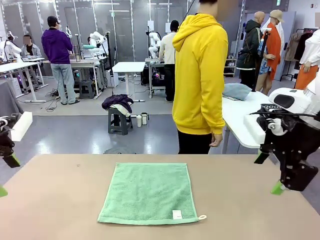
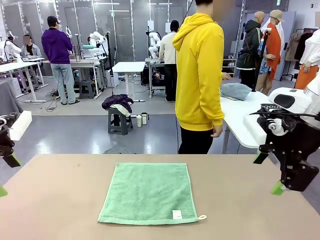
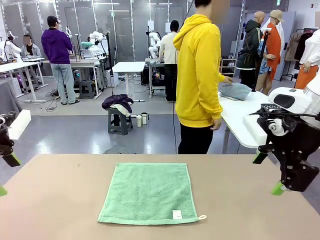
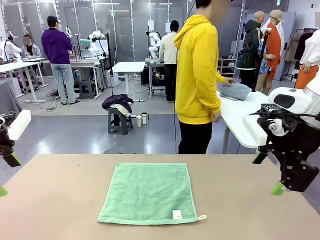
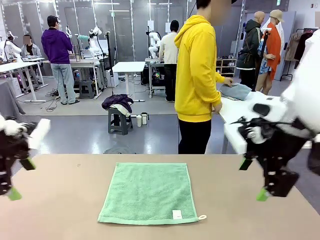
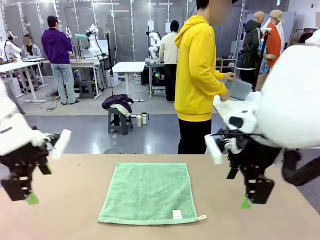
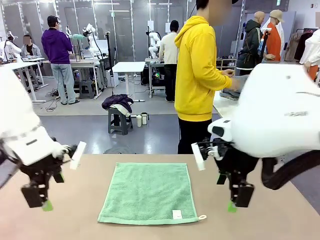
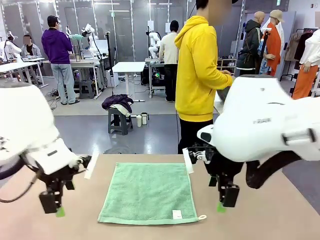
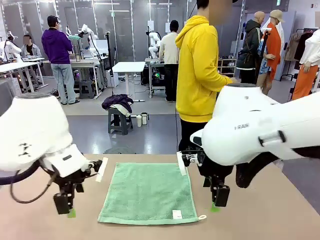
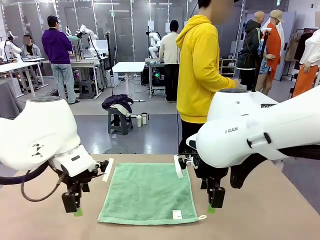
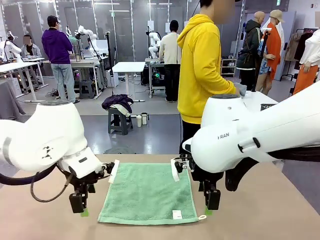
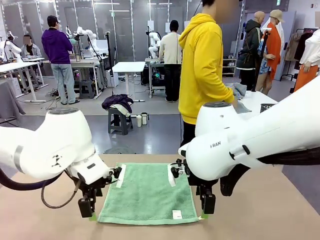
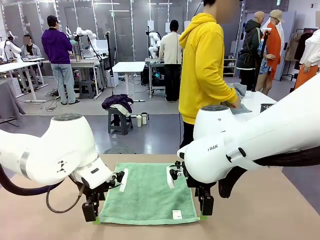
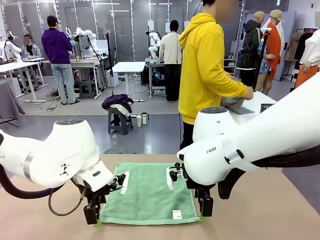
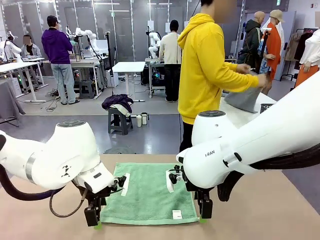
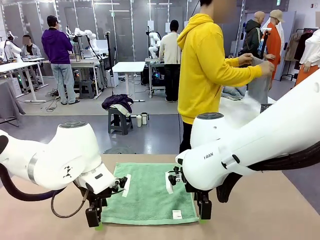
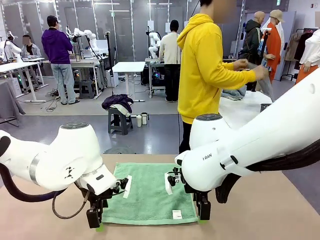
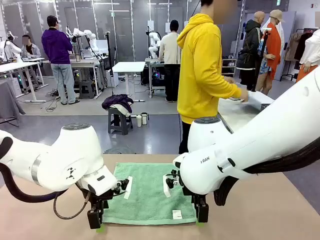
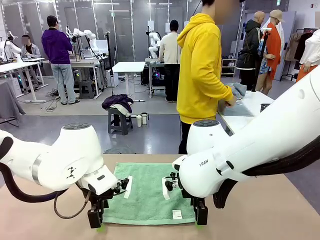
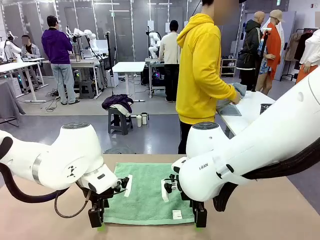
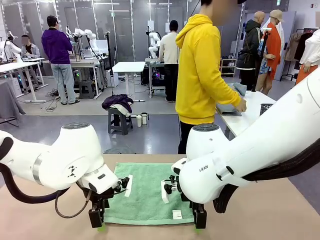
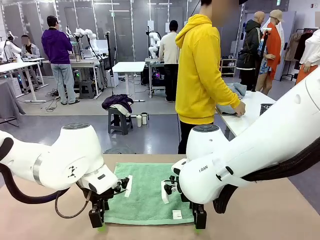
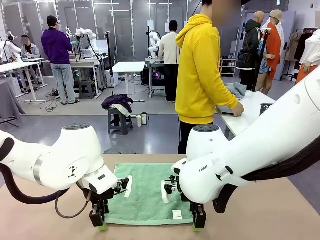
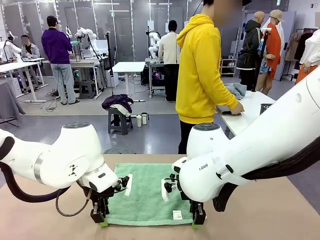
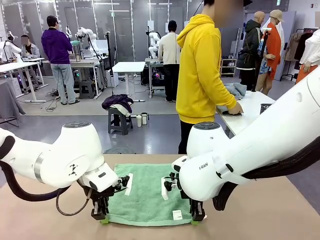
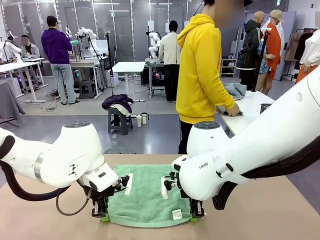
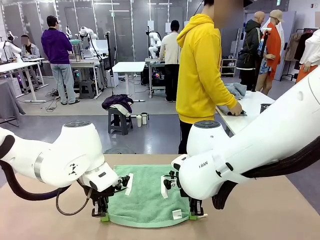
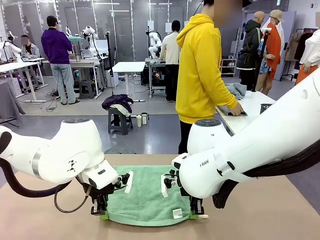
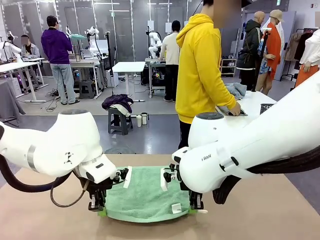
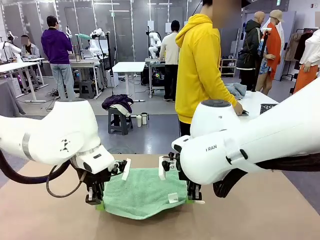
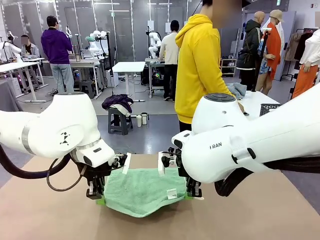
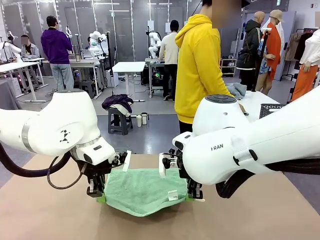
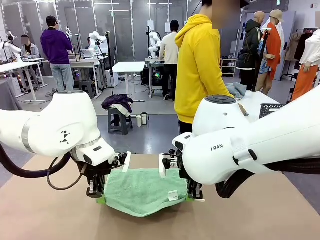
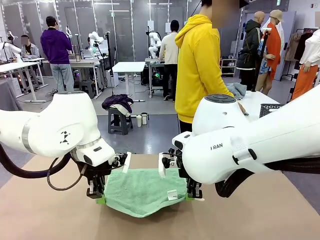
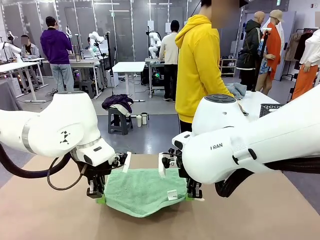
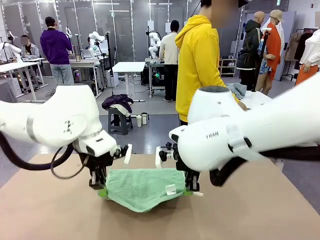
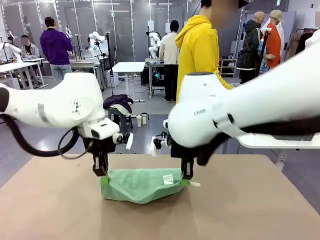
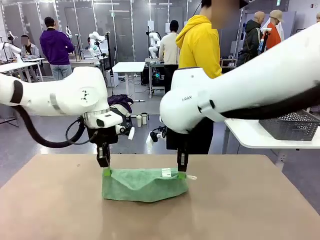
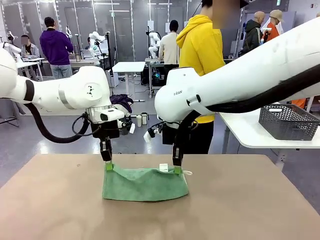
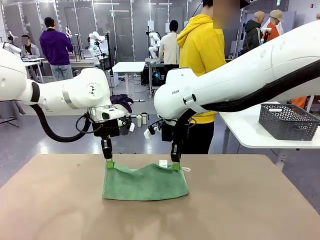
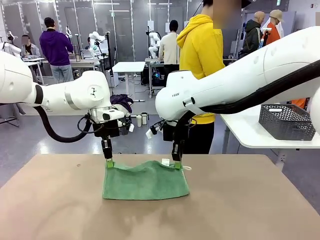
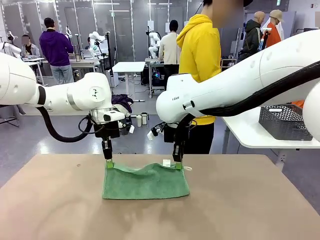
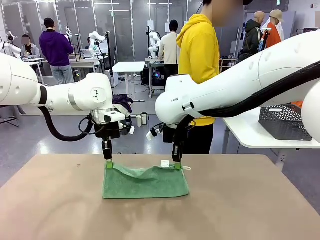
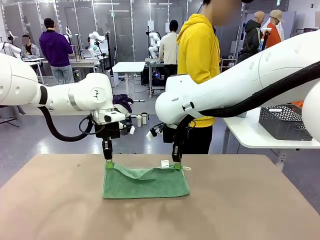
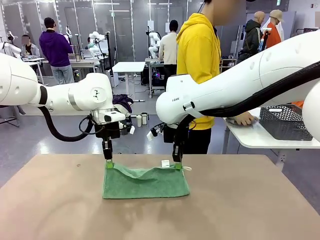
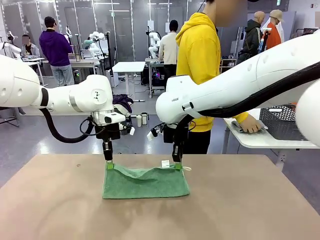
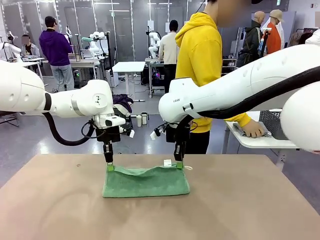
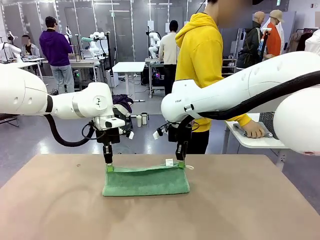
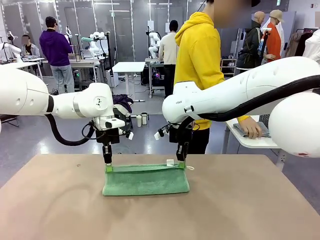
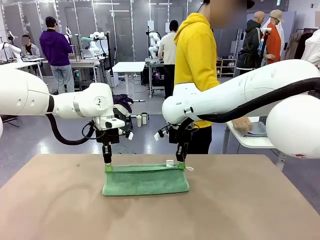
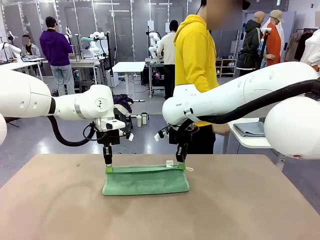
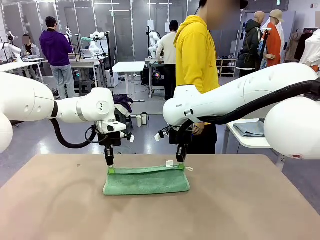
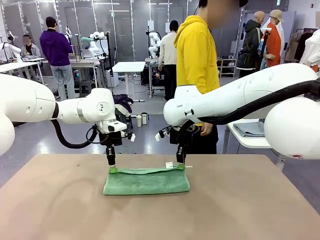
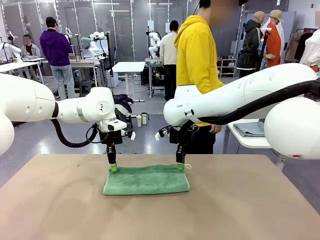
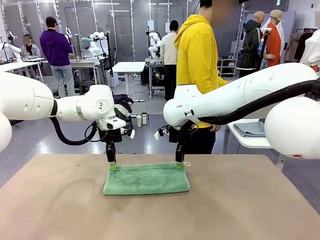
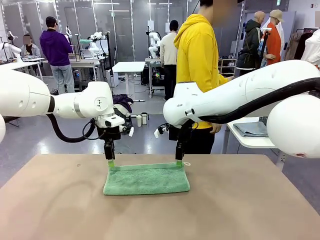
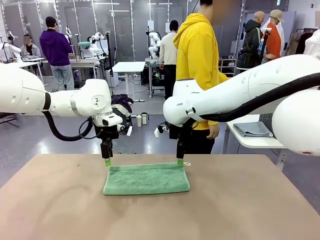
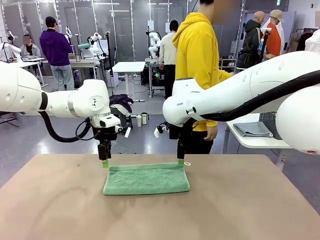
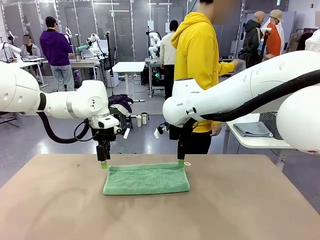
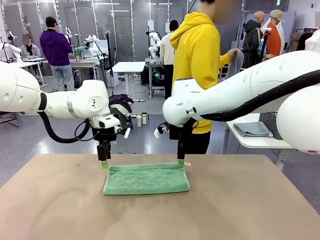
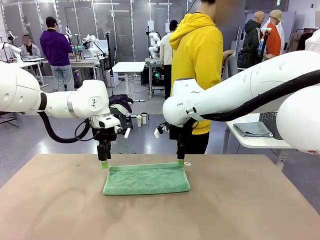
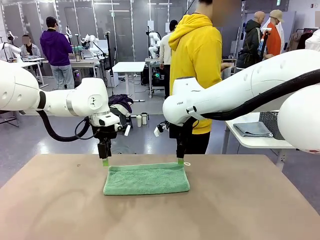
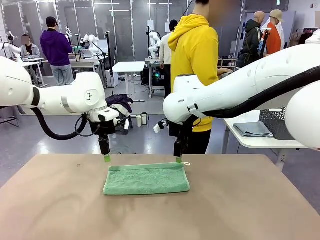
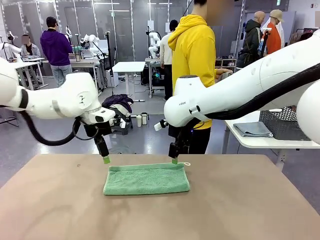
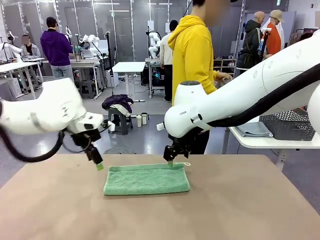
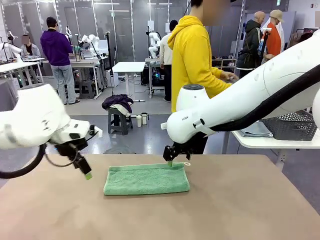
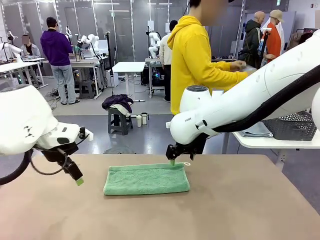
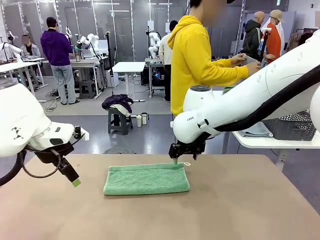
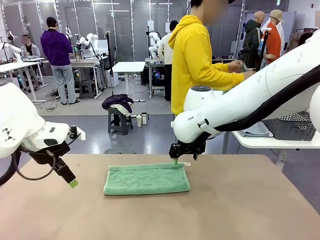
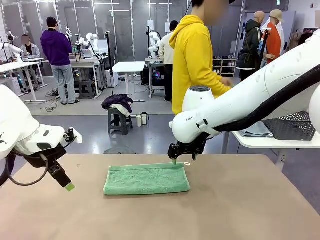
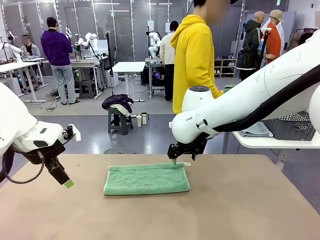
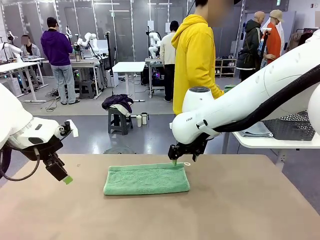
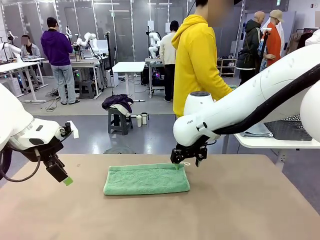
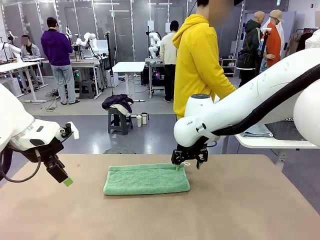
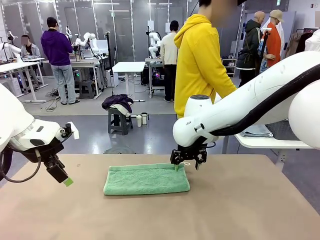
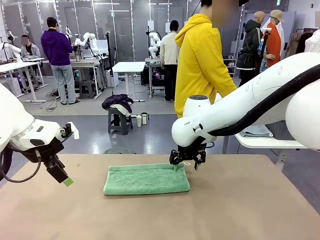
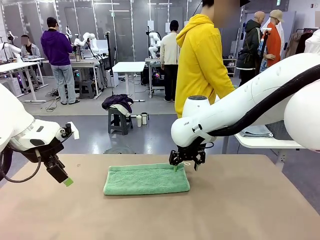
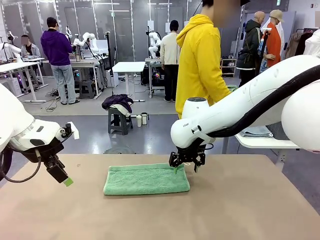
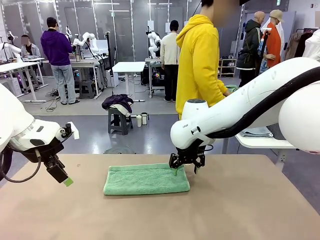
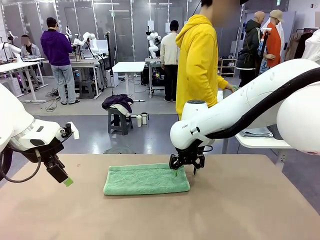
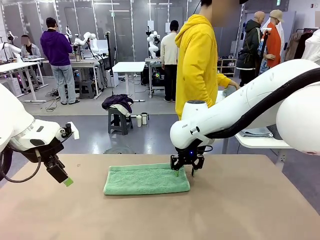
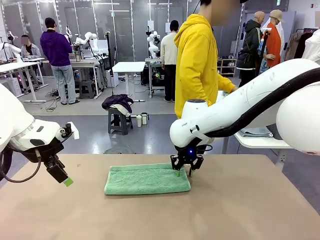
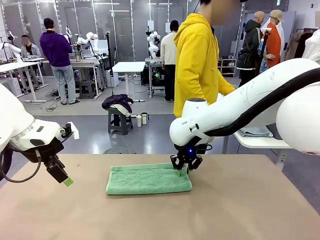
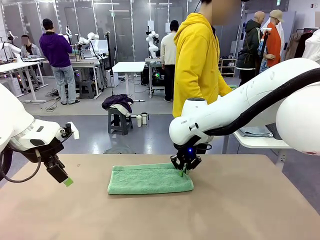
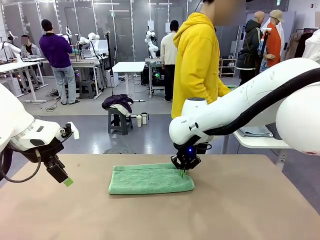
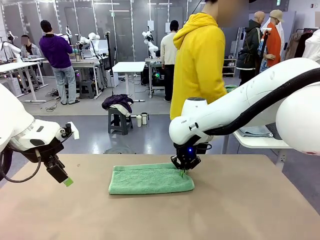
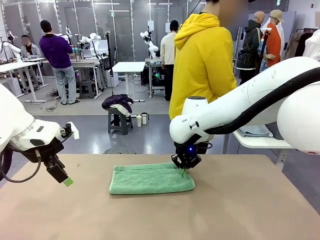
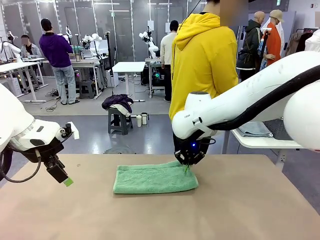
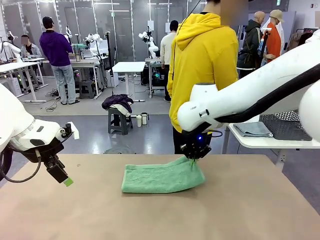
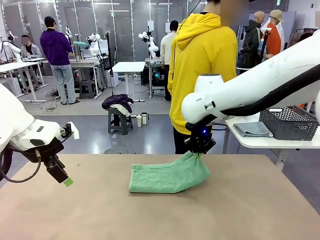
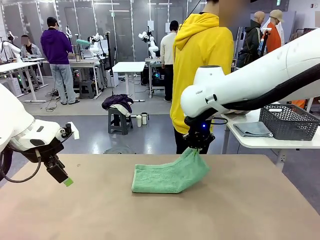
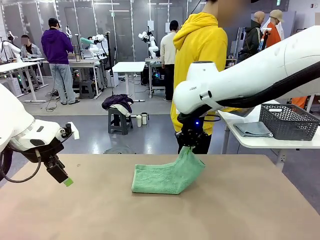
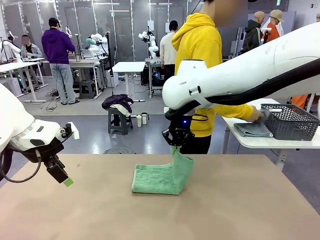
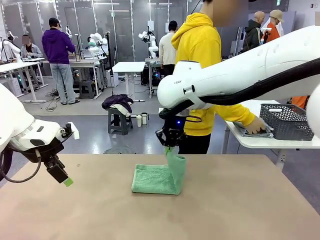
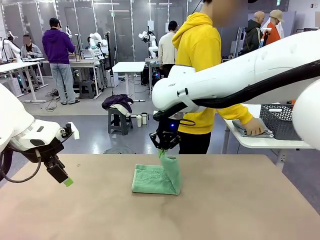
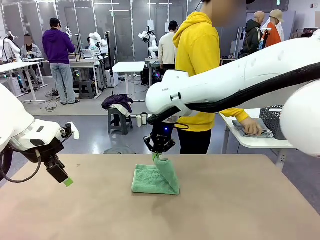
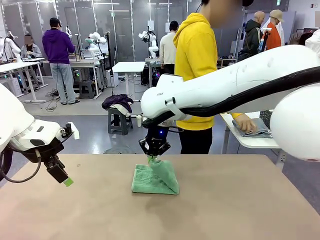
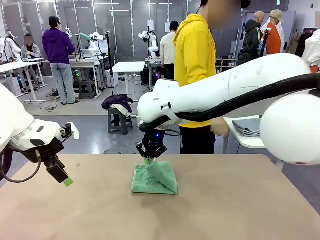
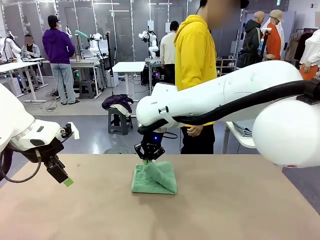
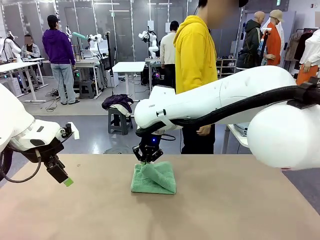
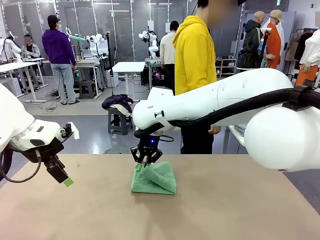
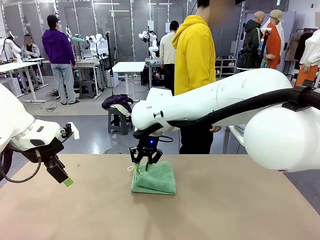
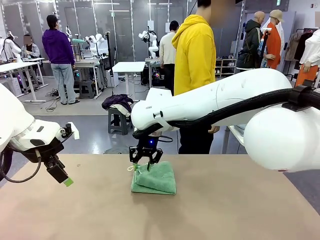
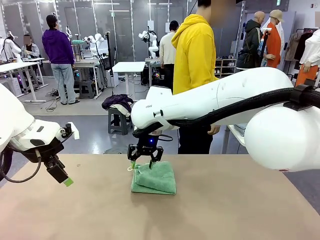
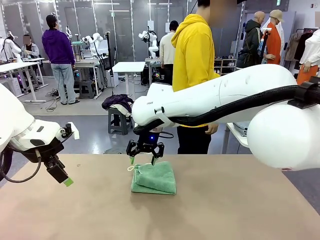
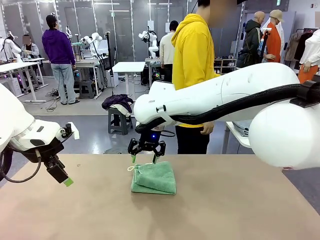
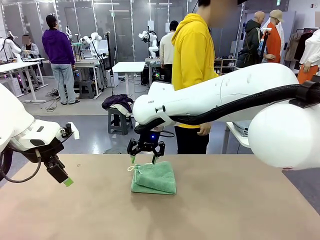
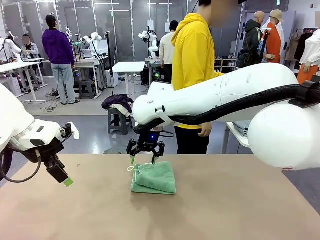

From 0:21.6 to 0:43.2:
Task: Fold the towels and place them in the basket.
Robot: When a person lays out a Towel with hook on the table, fold it in half twice.
Person: Pick up one towel from the left side of the human table, fold it in half twice, and place it on the right side of the table. Pick up one towel from the left side of the human table, fold it in half twice, and stack it on the right side of the table.
